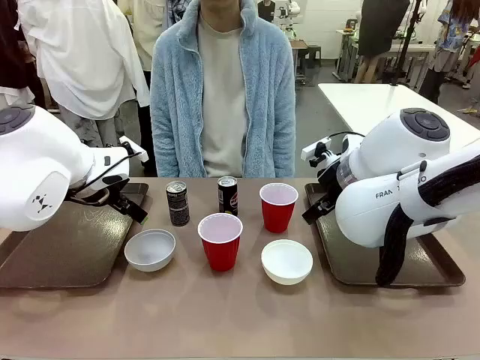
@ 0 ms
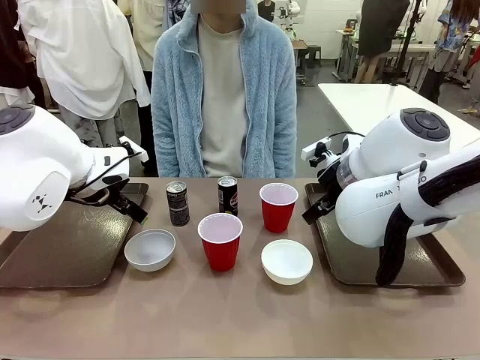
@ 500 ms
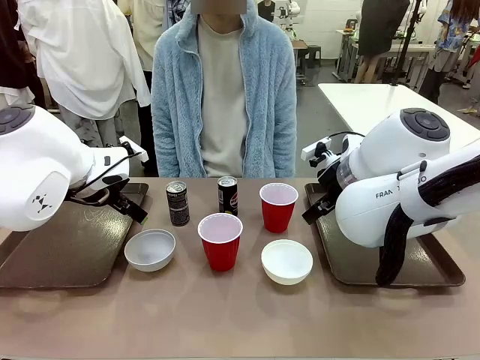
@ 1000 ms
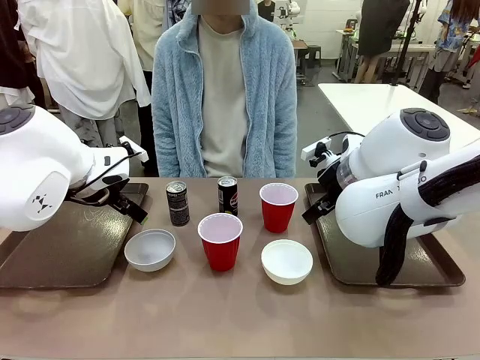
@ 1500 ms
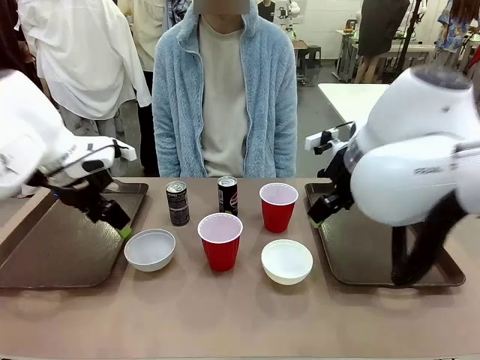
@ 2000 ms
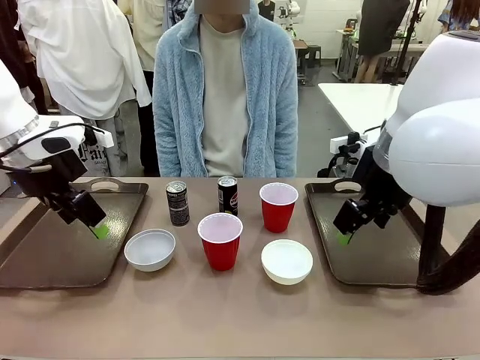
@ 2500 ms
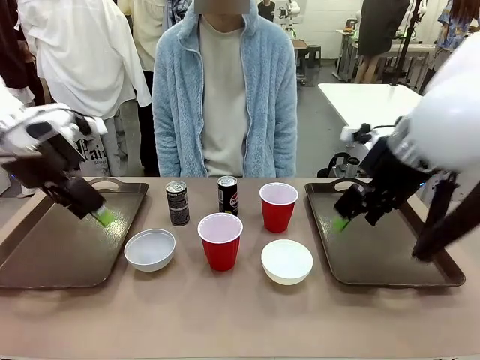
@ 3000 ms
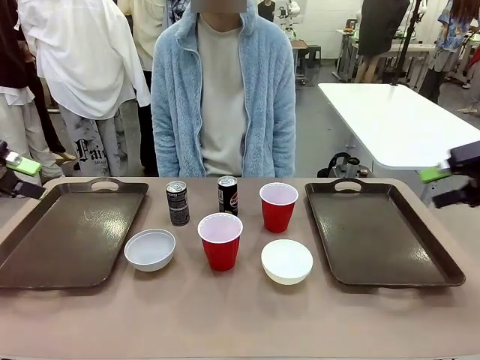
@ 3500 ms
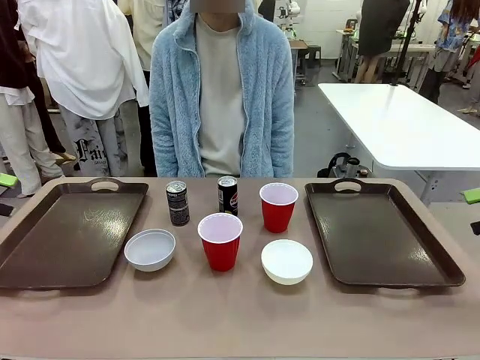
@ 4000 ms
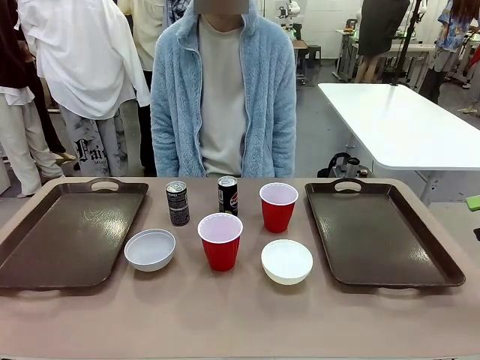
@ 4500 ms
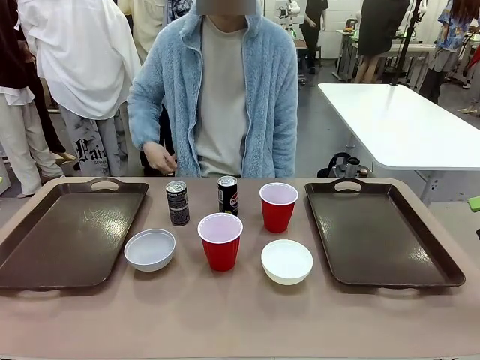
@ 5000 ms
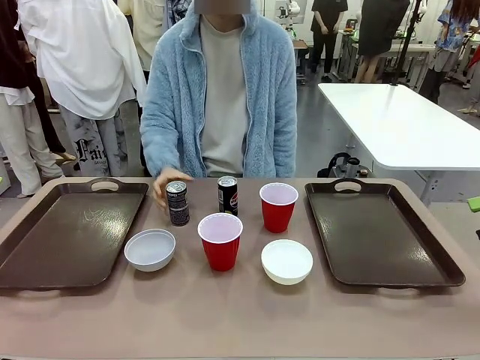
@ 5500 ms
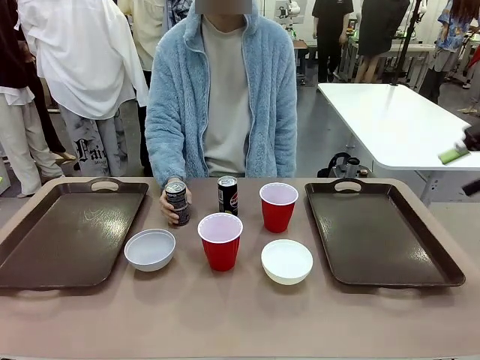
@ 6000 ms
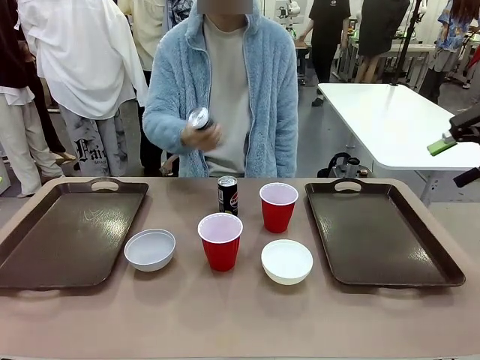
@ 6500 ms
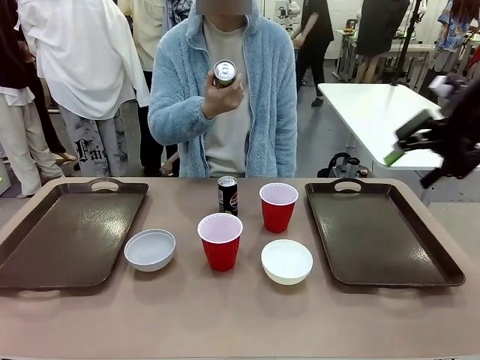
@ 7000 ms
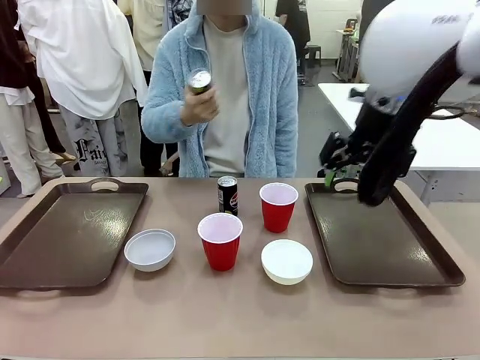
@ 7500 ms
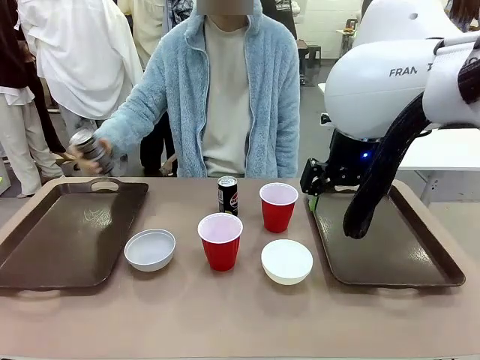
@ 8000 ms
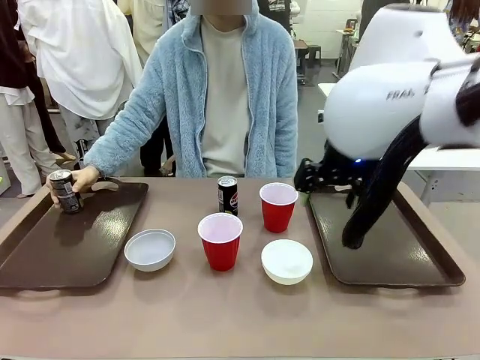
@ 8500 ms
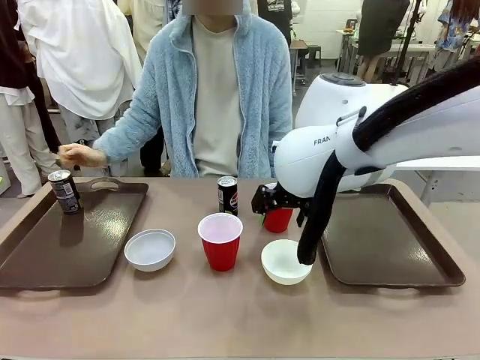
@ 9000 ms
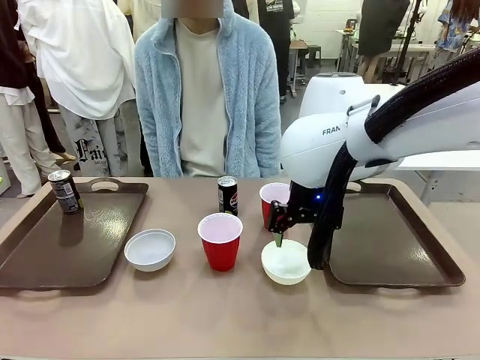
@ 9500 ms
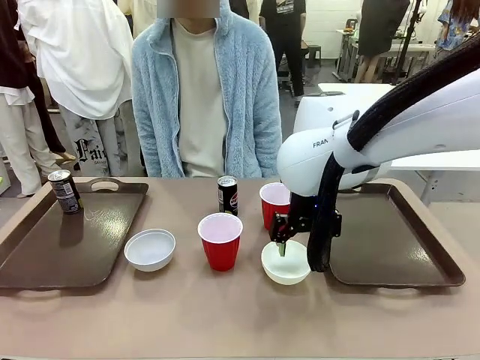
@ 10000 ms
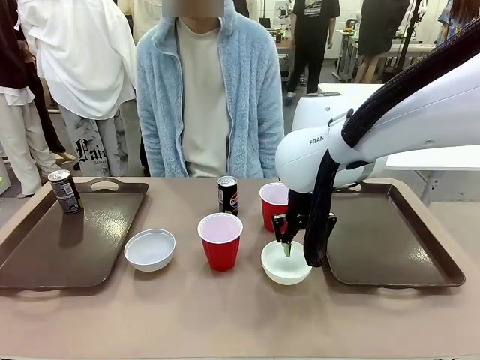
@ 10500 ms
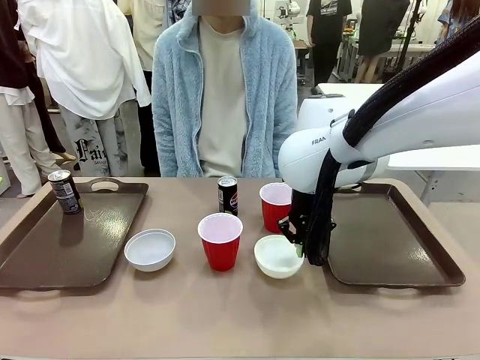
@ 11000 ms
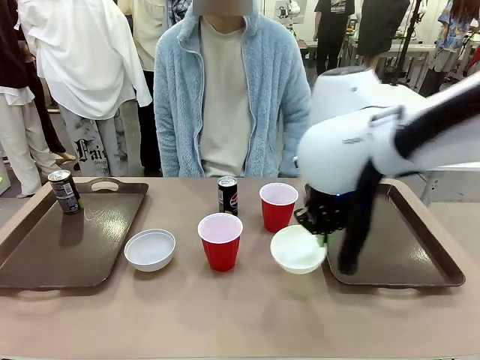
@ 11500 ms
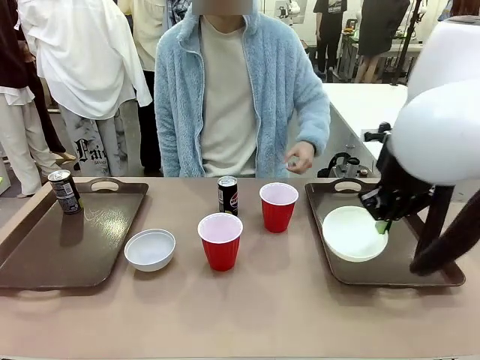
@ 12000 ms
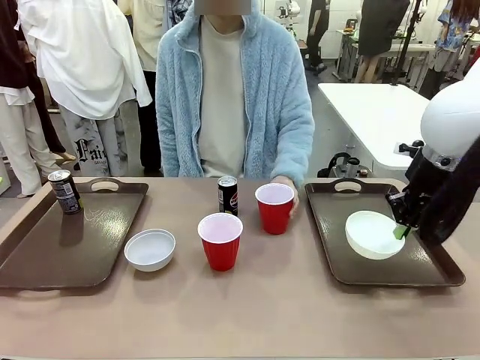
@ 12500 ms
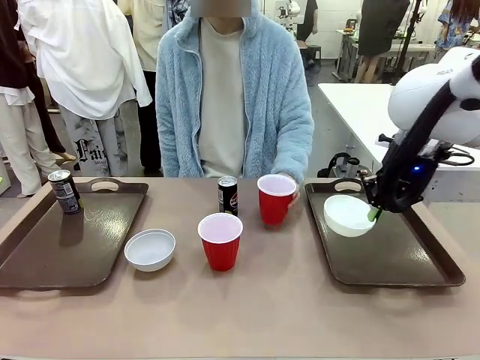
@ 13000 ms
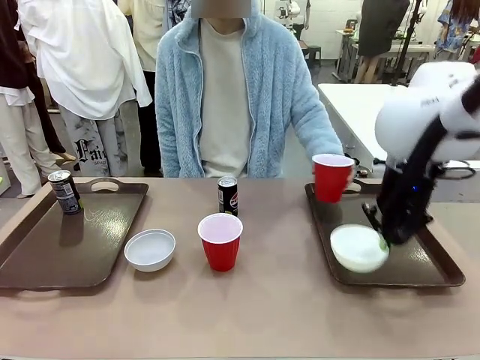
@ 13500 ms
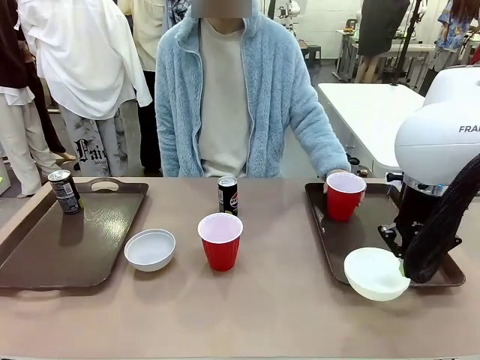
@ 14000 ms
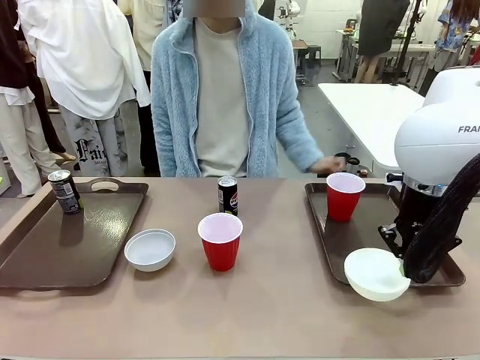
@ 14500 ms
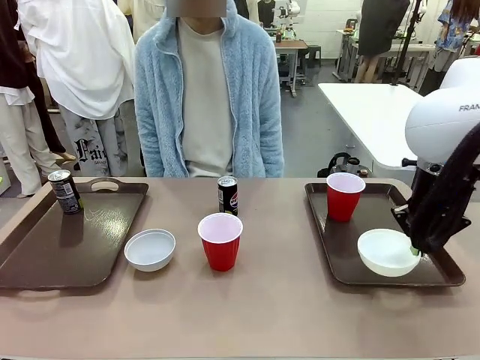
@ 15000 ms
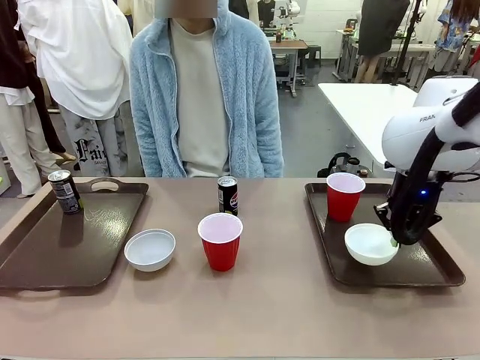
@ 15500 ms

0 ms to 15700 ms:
Task: Prepare tableware on both trays.
Robot: Pick up a Picnic Bowl from the table and place it on a Handle tray.
Person: Pick up a can or cup and place it on the tray.
